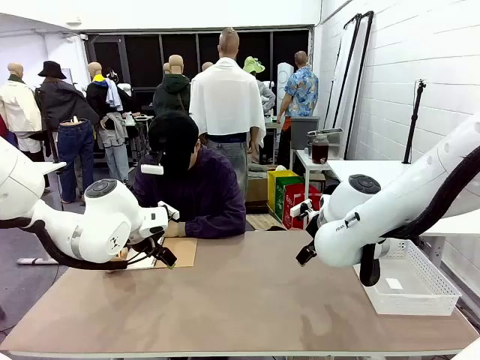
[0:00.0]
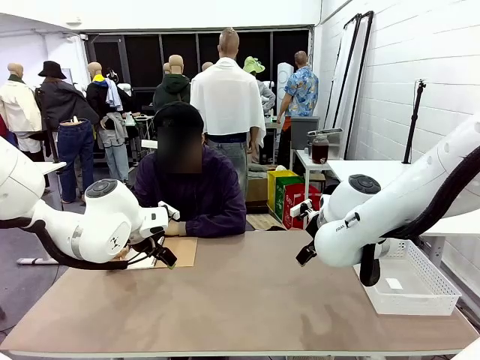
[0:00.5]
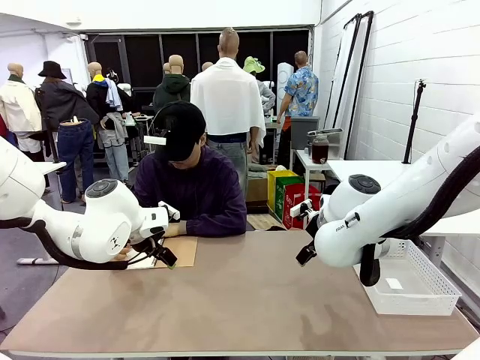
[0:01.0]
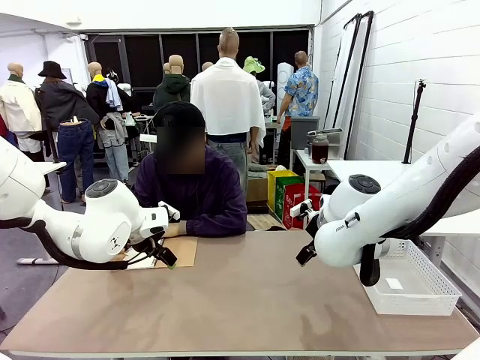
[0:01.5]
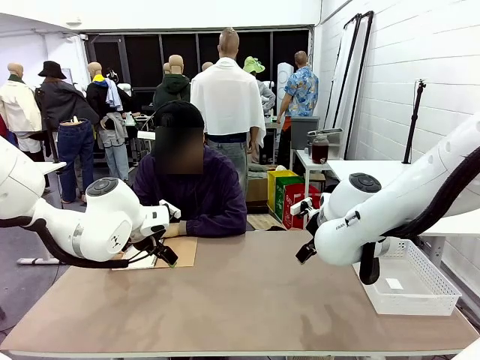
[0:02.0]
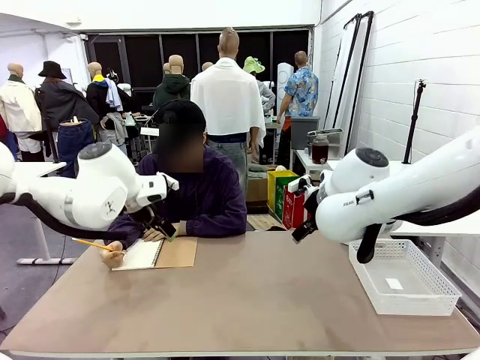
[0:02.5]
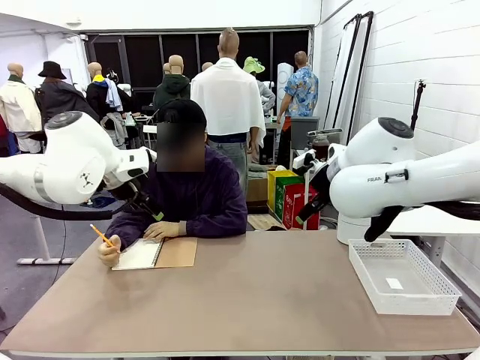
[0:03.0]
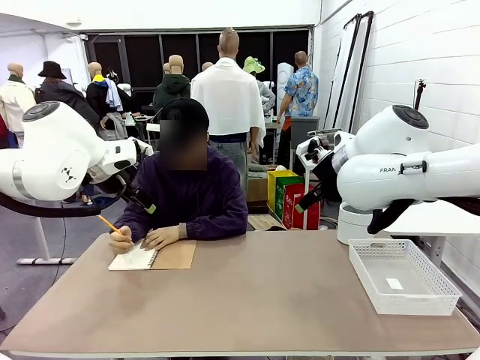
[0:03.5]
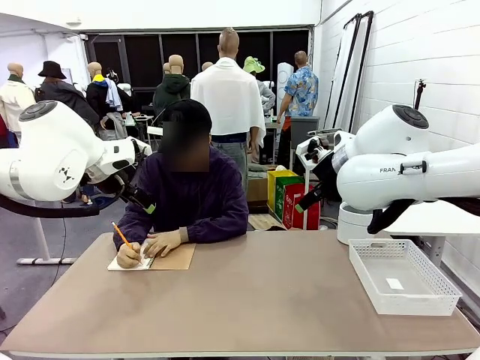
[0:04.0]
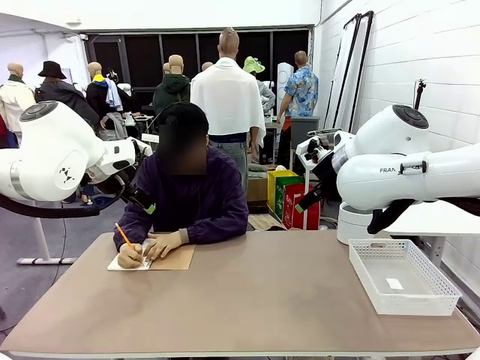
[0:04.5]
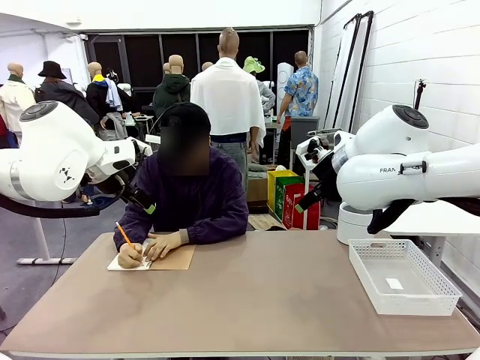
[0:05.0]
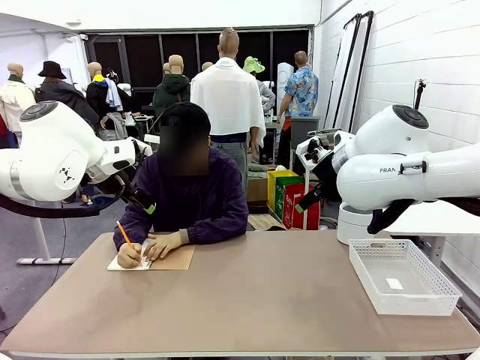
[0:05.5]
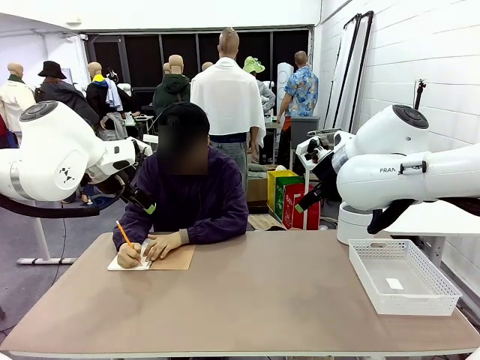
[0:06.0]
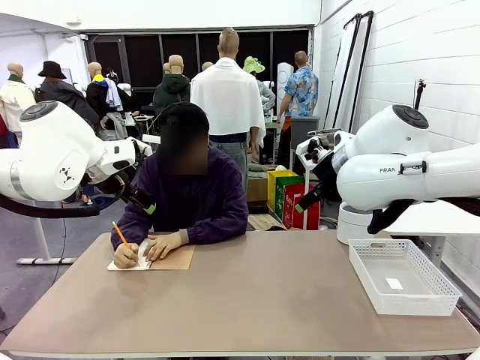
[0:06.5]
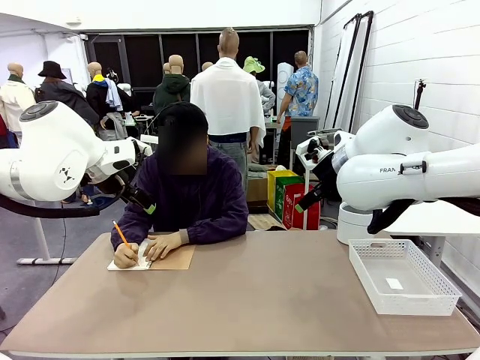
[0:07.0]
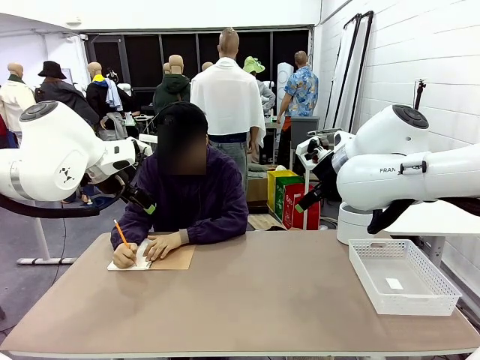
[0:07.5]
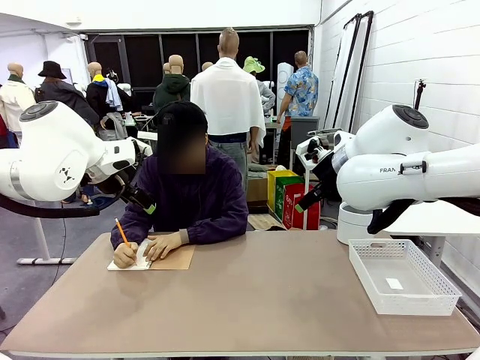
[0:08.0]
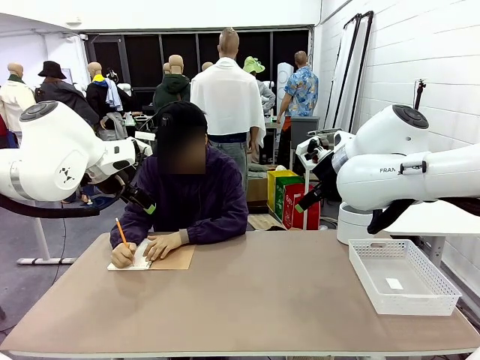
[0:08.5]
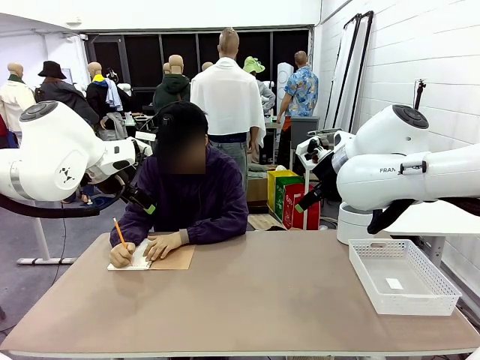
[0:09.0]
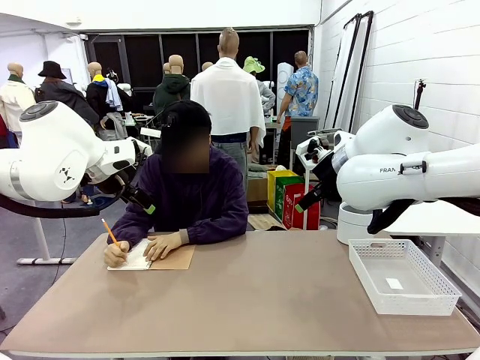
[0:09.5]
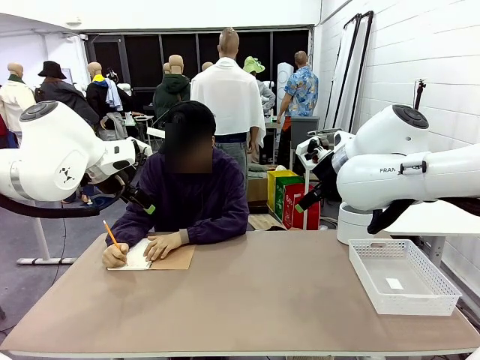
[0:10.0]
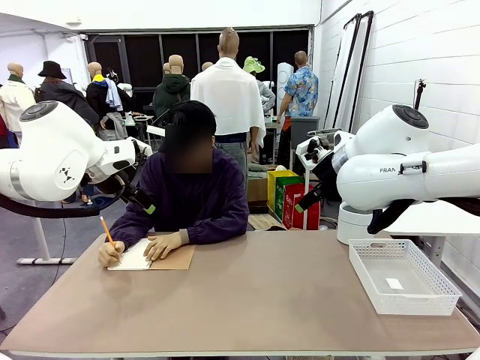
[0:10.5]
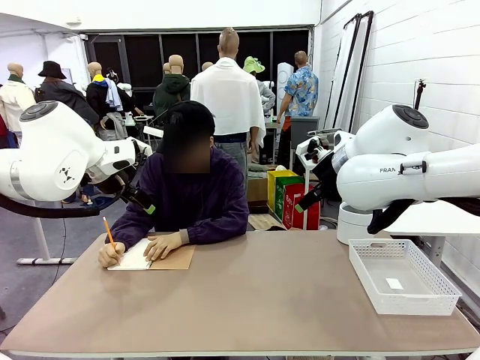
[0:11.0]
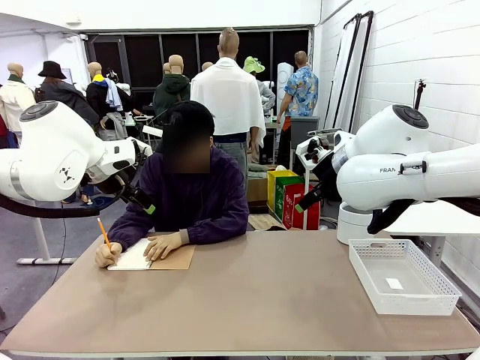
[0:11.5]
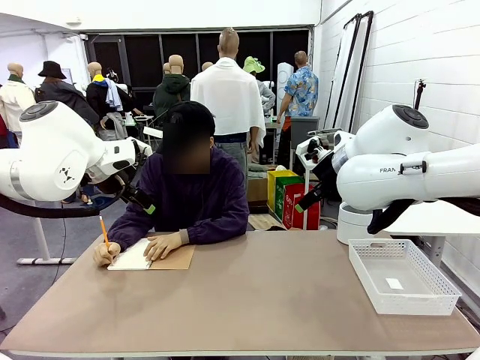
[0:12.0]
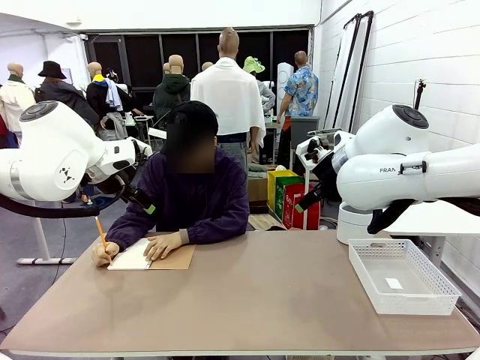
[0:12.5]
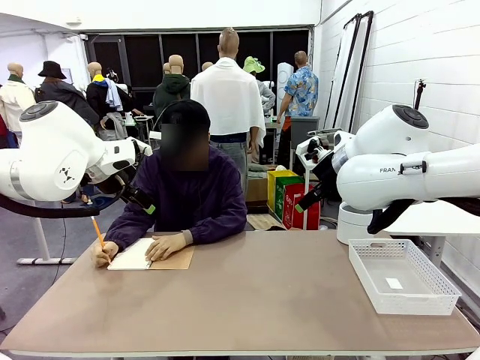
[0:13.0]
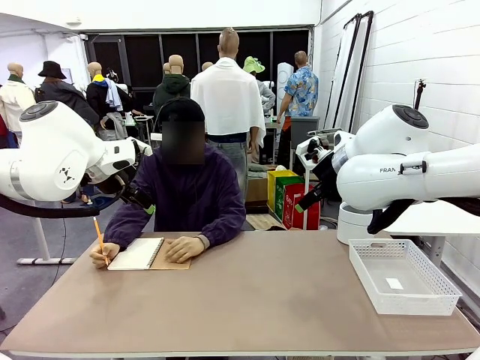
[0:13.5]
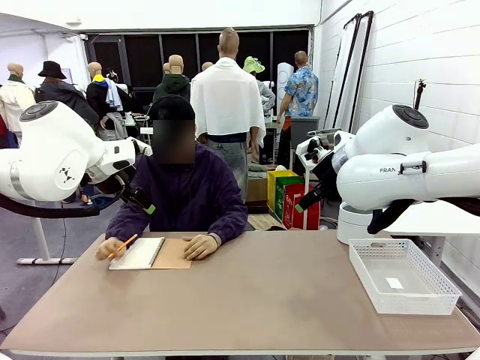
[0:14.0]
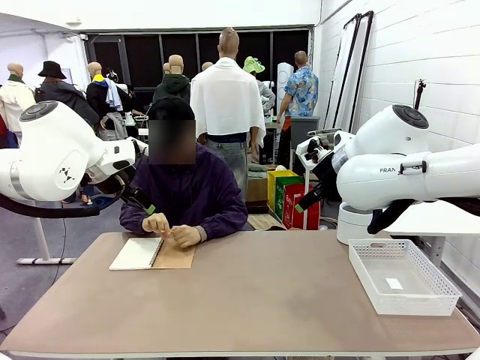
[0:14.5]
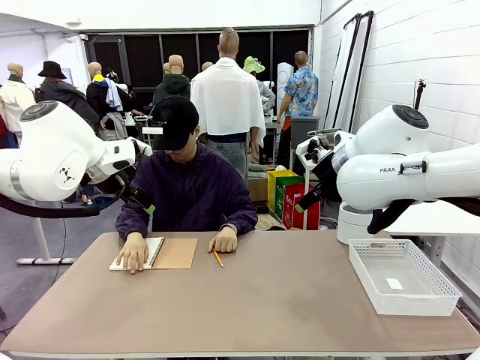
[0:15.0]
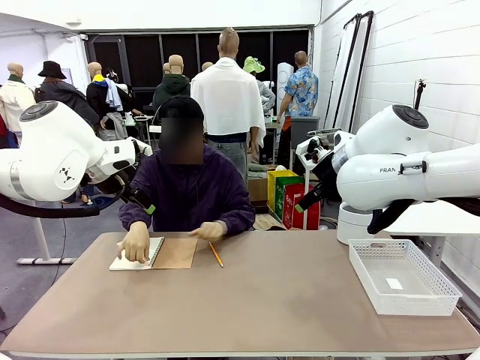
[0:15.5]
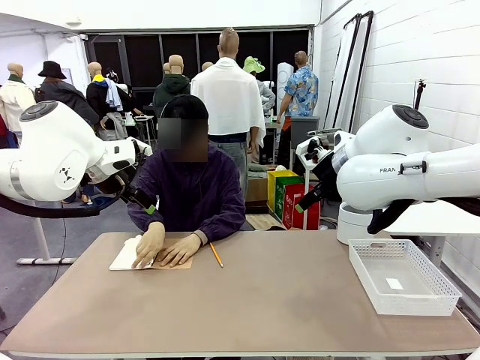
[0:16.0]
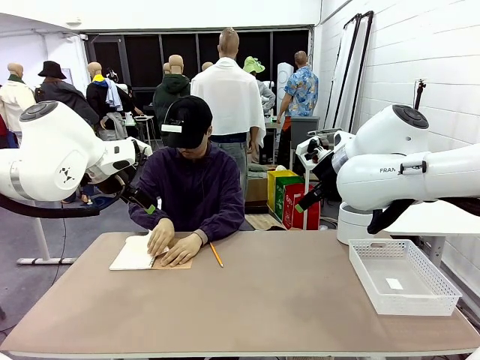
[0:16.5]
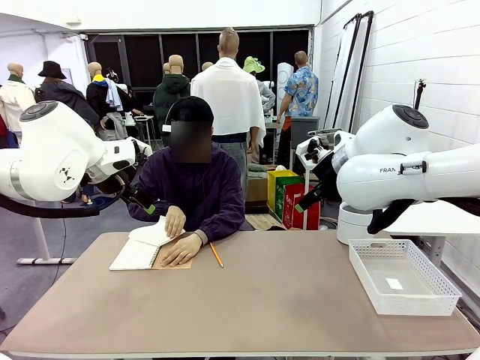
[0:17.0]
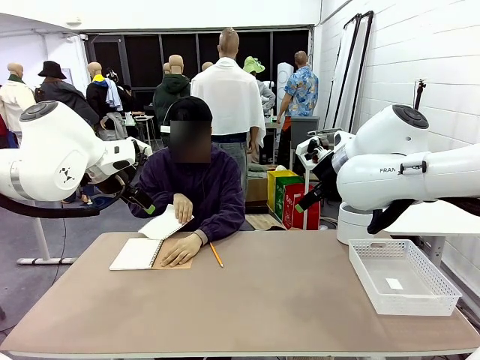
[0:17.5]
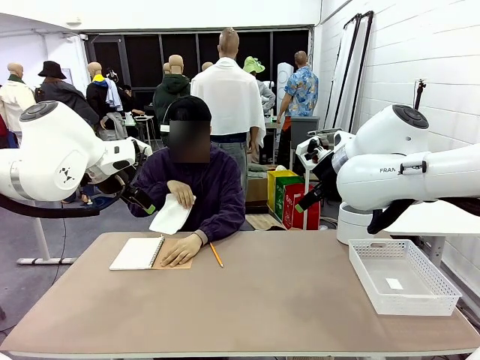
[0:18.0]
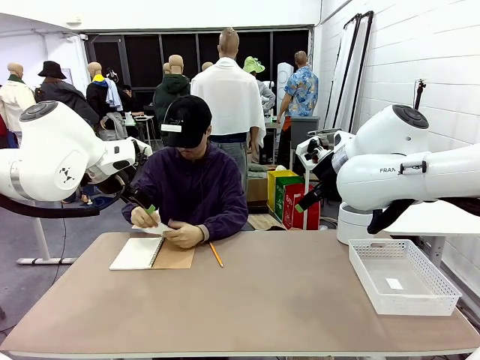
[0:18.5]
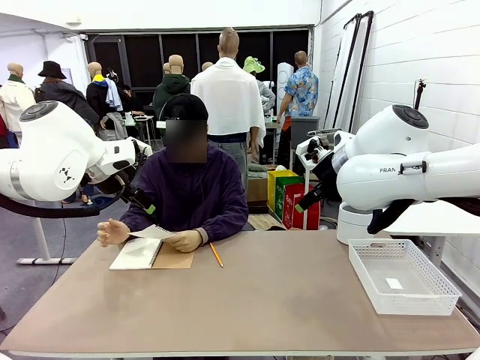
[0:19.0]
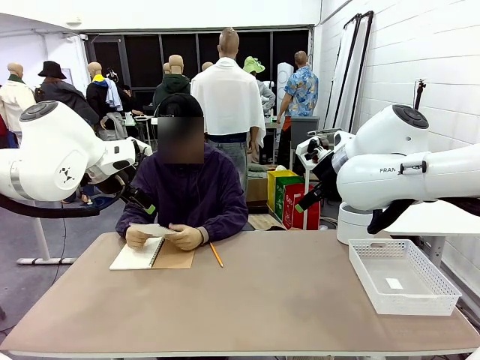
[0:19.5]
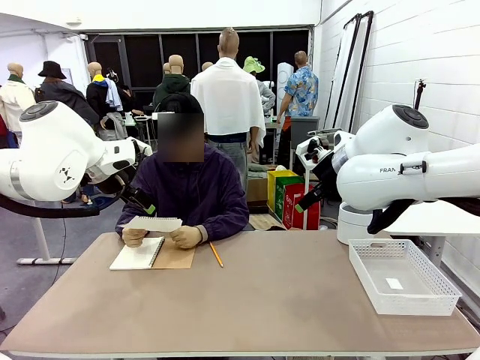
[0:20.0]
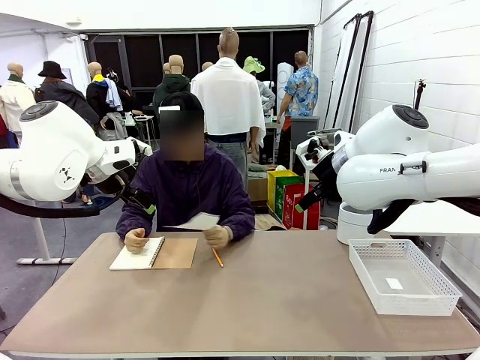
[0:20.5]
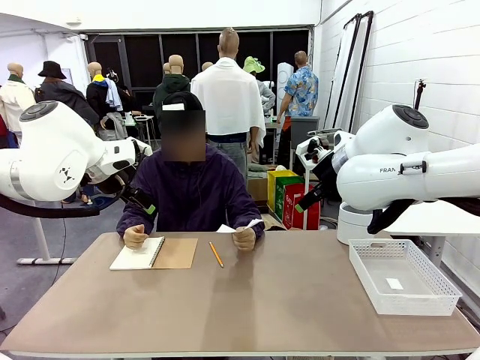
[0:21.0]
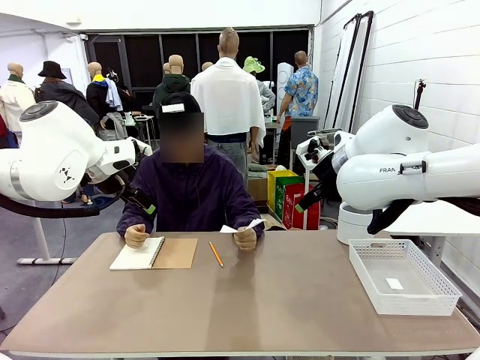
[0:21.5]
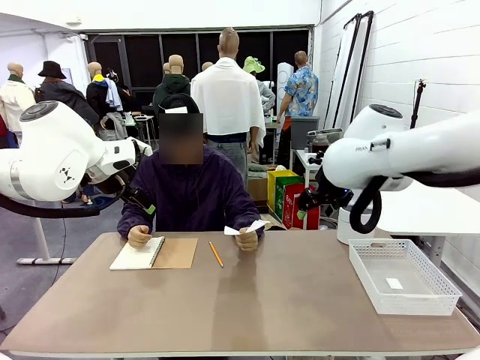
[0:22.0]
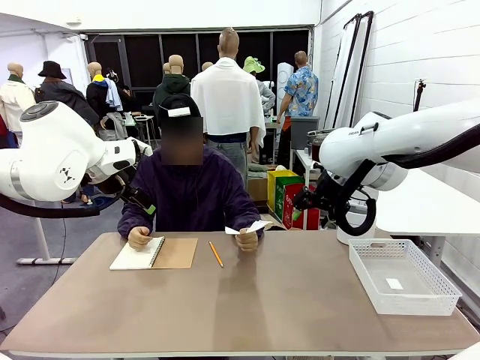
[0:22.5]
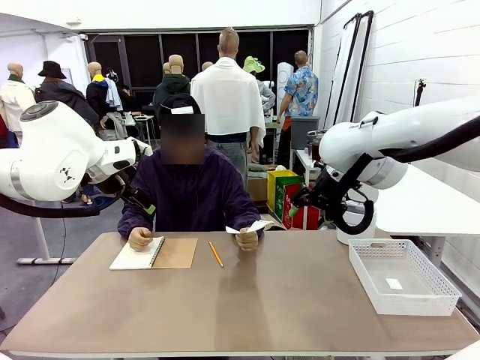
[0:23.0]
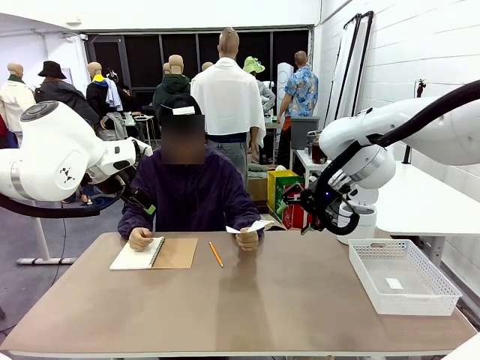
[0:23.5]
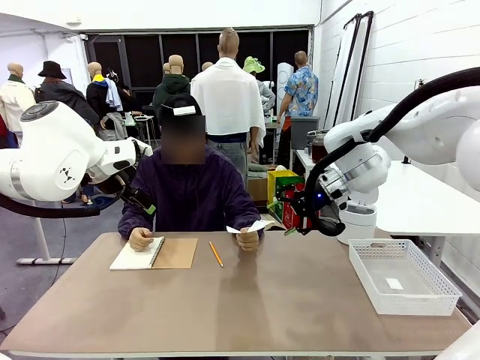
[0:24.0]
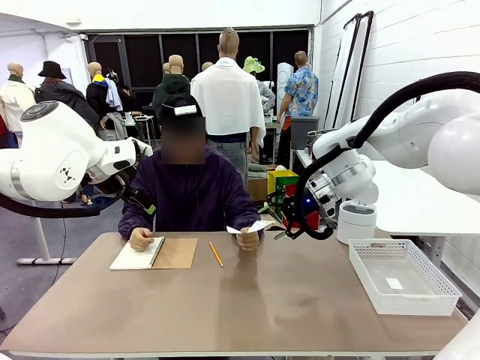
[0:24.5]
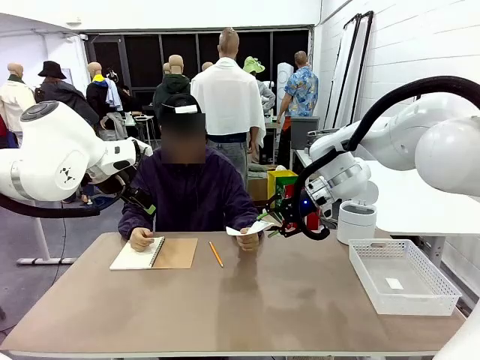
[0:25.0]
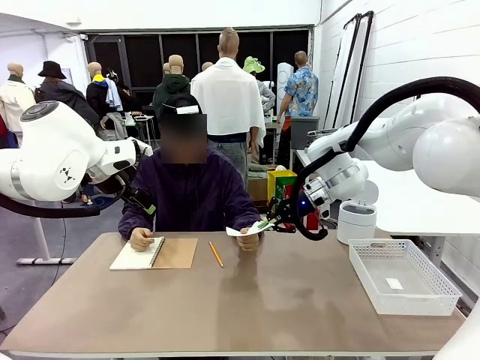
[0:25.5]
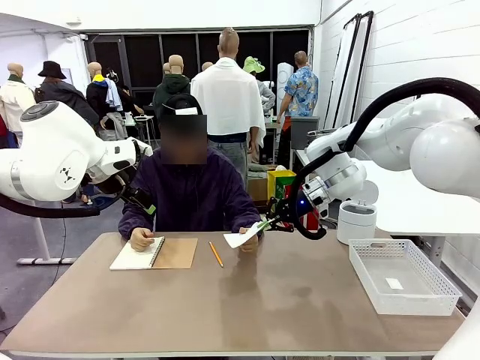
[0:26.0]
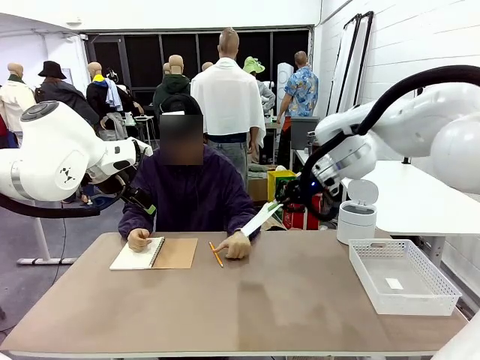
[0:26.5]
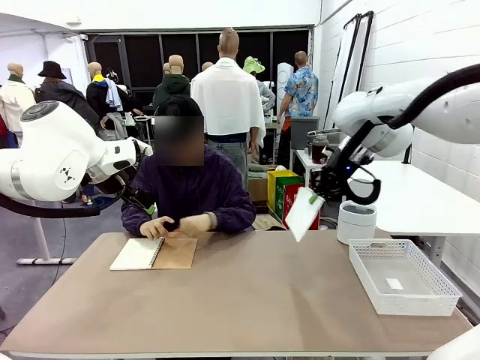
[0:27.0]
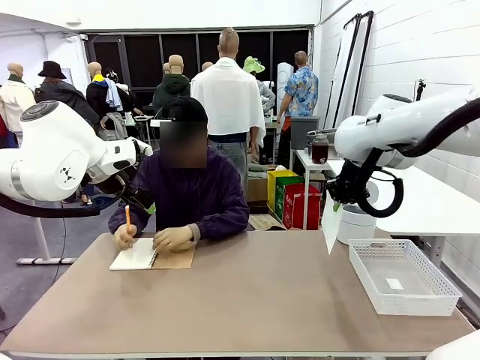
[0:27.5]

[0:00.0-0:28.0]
Task: Sort the paper based on its condition.
Robot: If a person hands you a paper, place it in the Organizing basket , and if it's crumpled, put it in the Trash can.
Person: Tear out a page from the spiral notebook. Hand the torn page to the robot or crumple it and throw it to the center of the table.
